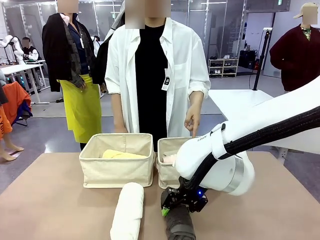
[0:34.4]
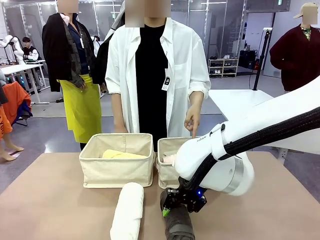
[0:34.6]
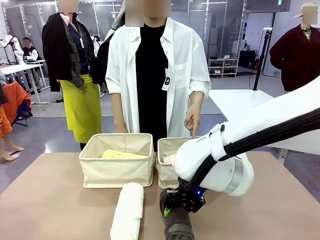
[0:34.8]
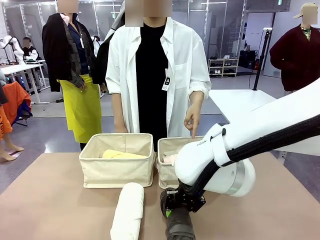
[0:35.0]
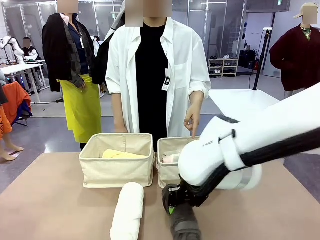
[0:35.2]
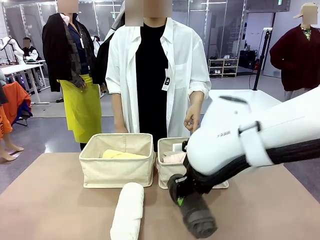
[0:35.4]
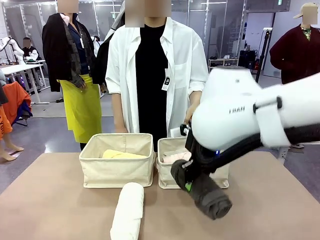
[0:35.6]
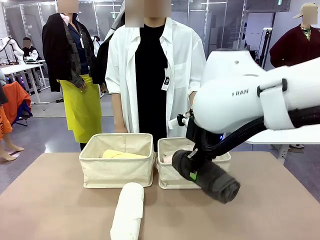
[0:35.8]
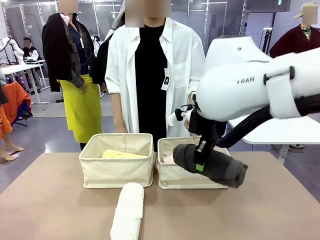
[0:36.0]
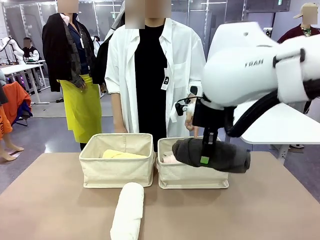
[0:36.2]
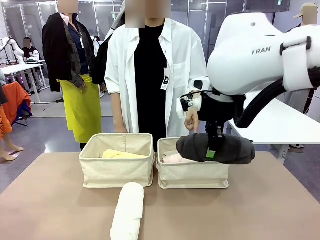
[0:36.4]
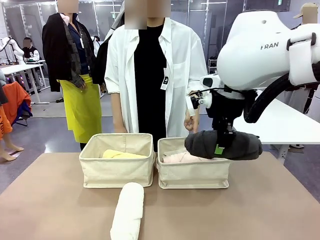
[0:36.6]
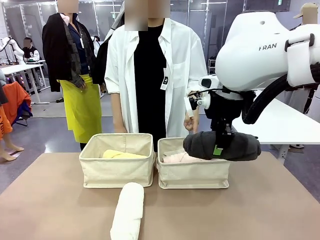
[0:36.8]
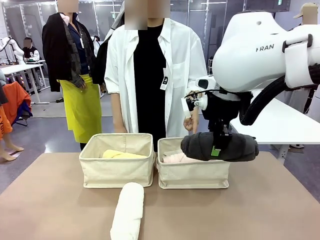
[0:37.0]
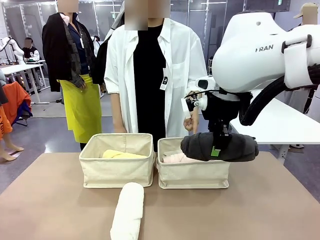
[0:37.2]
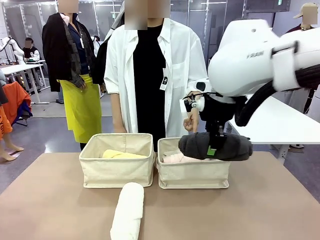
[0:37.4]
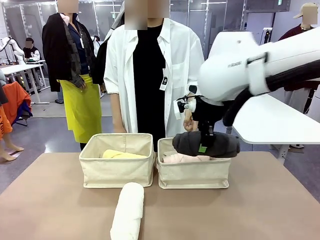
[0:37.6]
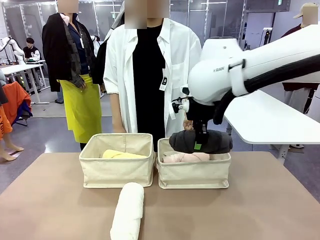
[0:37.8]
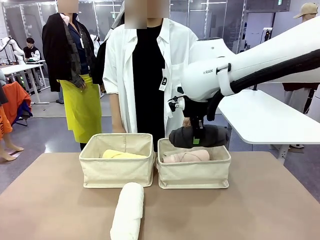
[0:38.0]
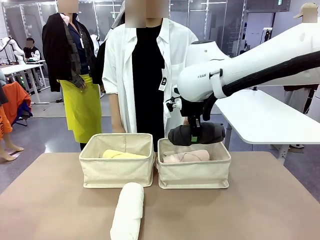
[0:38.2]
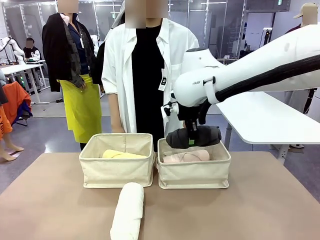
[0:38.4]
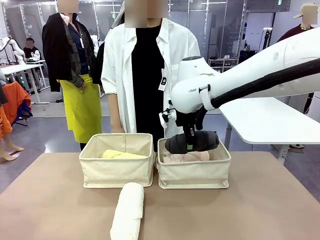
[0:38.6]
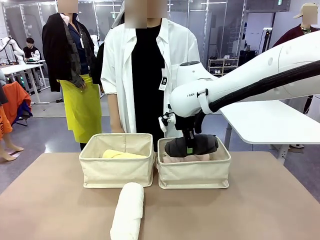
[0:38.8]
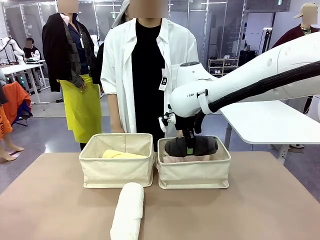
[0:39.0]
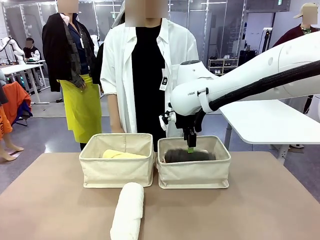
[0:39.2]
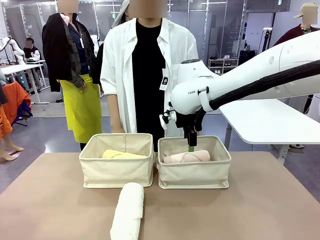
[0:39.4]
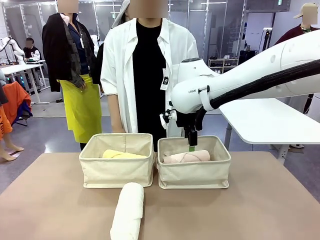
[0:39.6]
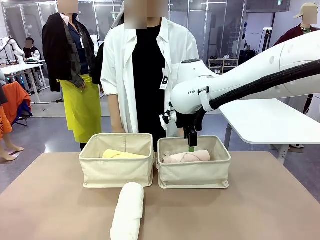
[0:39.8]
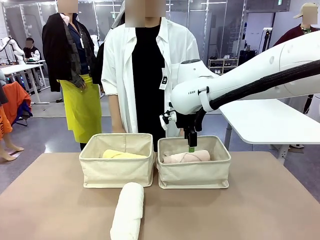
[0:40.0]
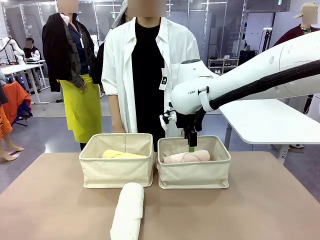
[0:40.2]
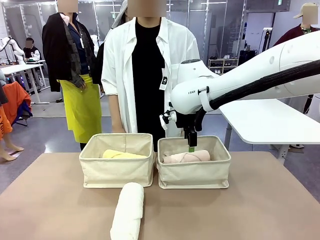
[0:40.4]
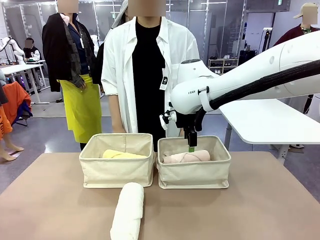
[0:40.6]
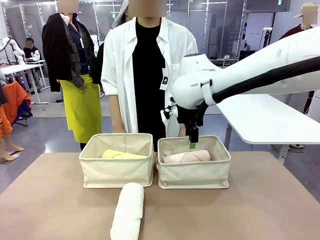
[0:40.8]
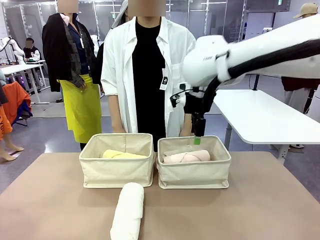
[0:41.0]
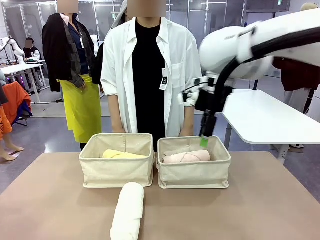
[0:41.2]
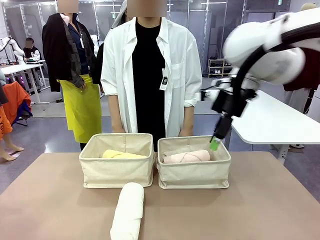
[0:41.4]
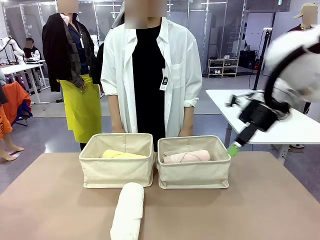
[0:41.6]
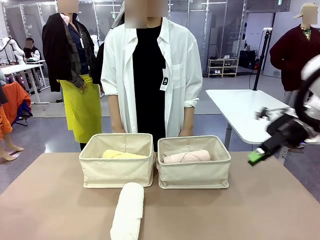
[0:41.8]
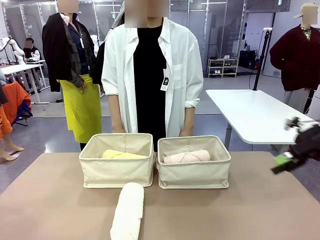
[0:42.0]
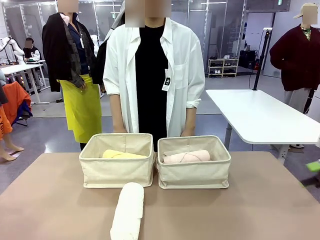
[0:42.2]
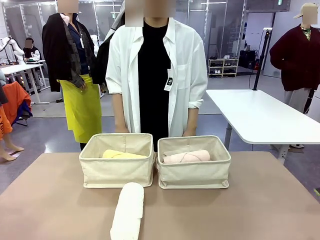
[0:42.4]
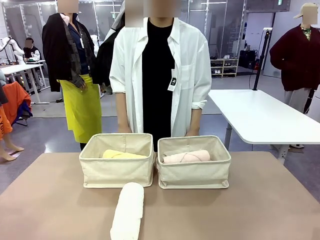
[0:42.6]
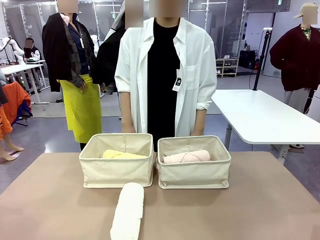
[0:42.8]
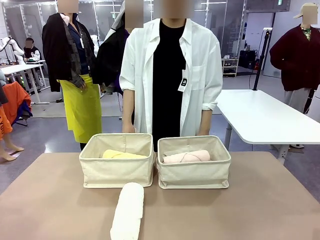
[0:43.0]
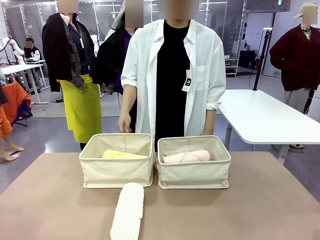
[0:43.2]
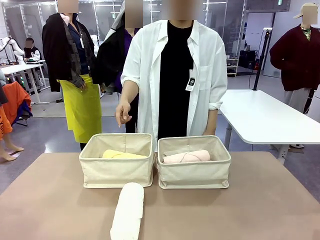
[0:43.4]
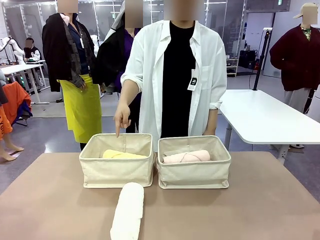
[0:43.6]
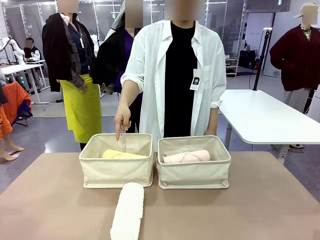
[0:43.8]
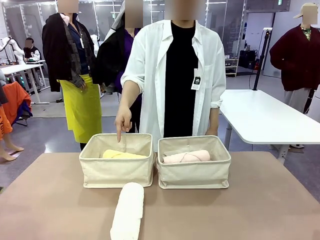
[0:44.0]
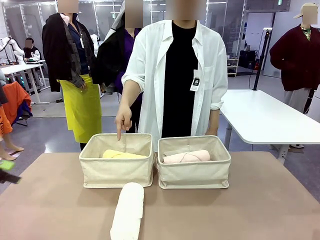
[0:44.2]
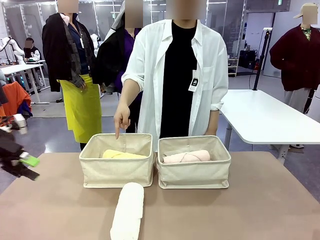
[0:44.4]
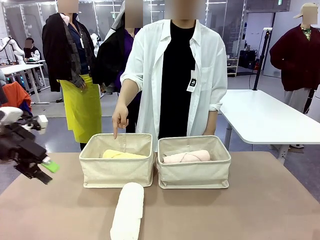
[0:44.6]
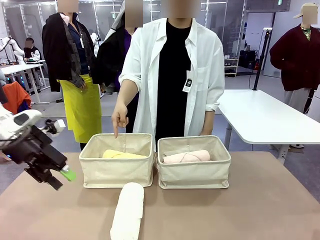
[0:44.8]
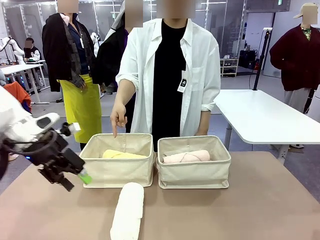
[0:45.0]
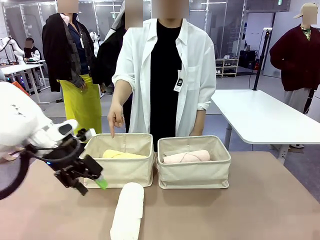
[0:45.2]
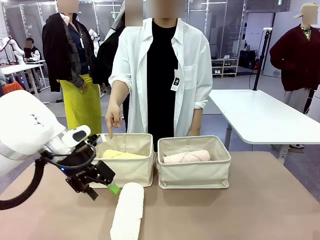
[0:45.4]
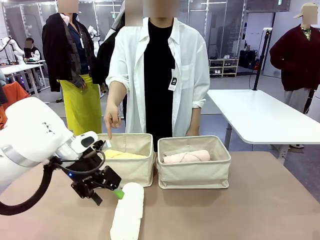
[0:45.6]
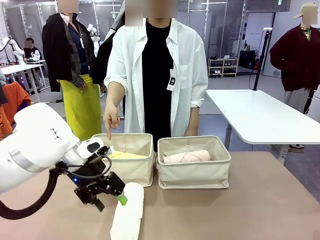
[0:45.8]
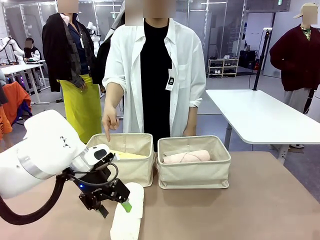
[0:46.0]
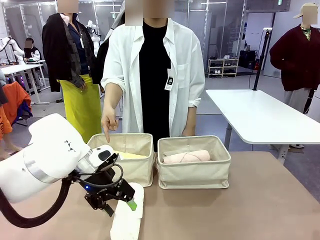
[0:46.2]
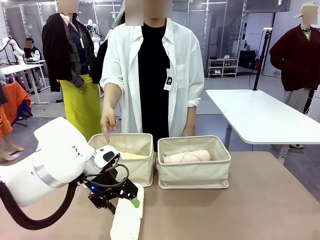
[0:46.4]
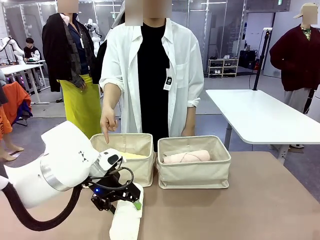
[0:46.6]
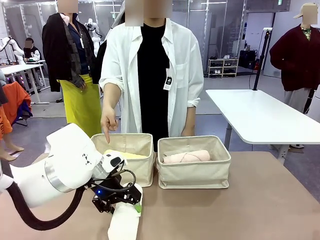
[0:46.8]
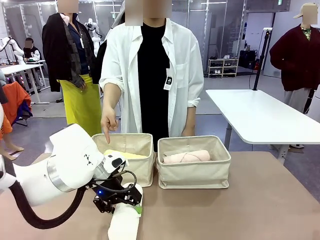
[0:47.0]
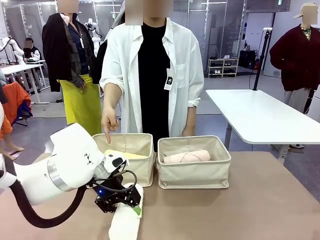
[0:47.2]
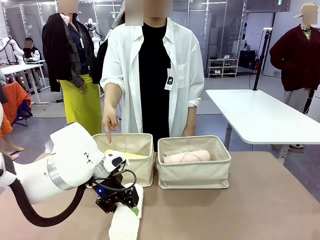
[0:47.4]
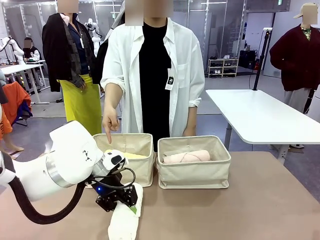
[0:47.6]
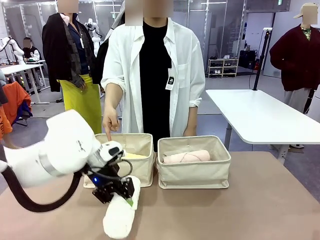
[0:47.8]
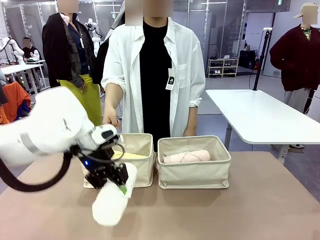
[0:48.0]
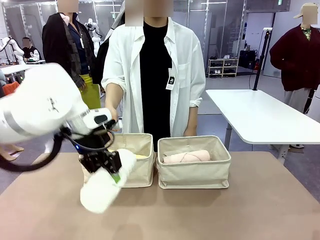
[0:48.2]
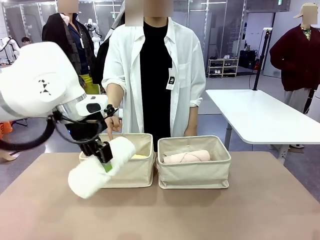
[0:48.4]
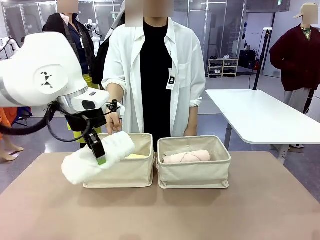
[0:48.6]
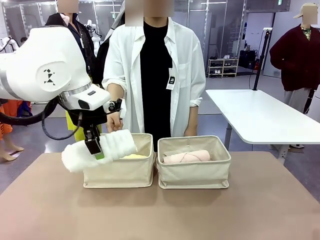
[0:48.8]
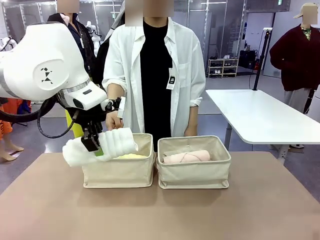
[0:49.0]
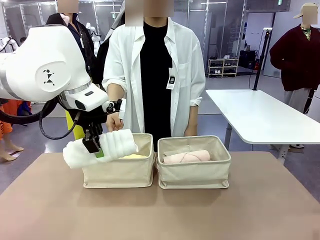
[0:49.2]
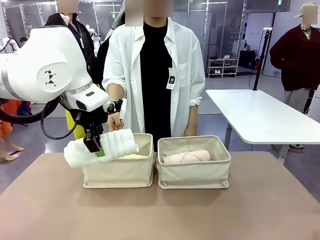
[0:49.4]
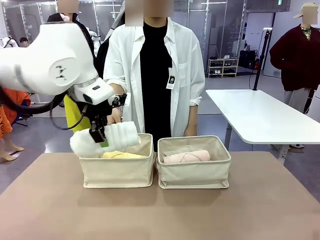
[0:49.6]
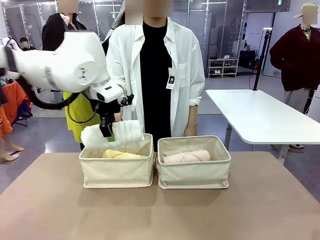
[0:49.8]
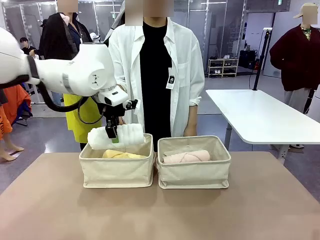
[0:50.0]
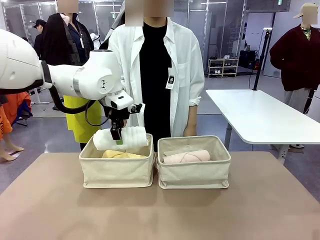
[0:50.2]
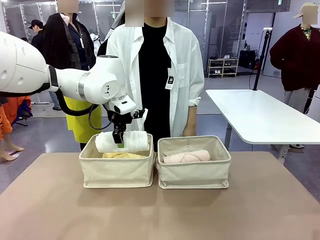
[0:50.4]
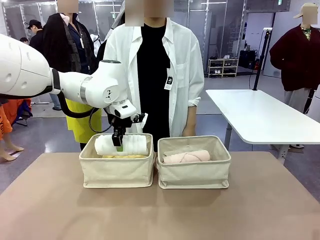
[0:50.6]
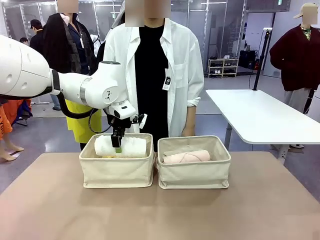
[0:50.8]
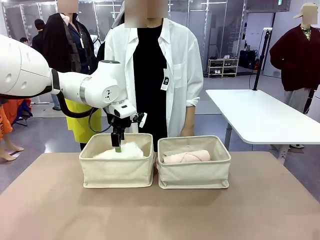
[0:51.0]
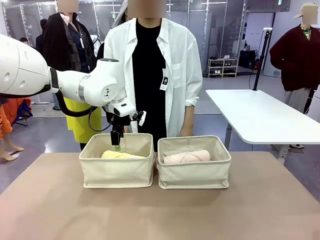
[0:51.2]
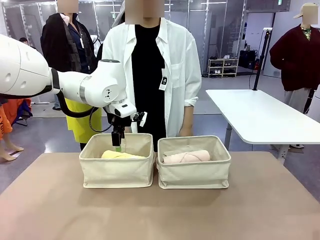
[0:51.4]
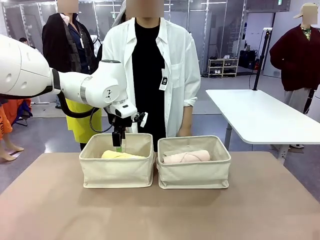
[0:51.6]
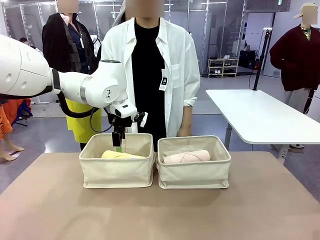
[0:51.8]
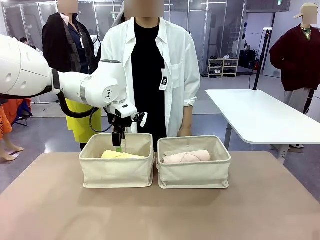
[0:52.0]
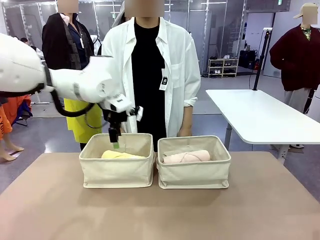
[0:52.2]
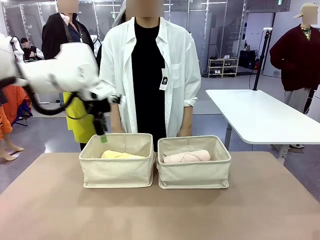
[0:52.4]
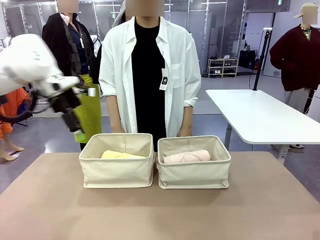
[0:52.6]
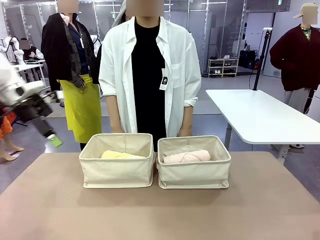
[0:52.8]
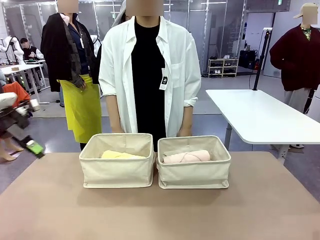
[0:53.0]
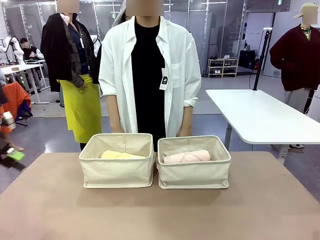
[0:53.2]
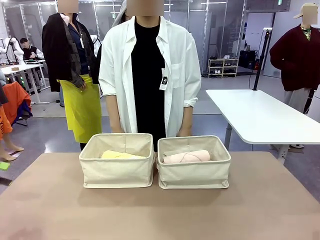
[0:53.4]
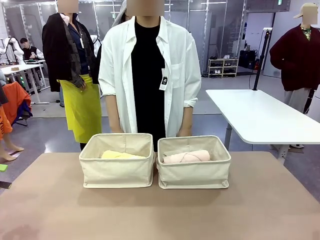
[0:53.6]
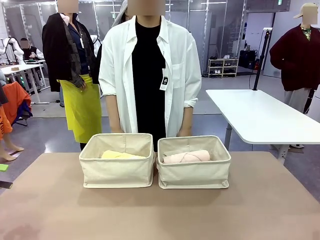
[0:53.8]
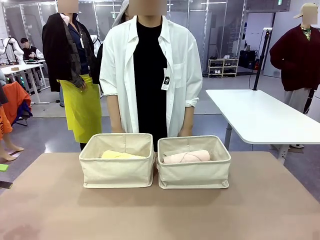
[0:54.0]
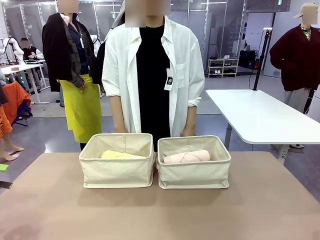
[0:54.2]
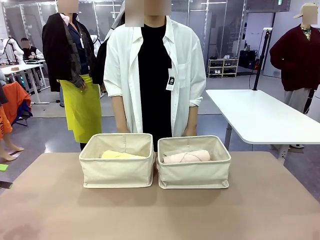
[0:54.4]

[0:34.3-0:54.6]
Task: Divide the towels into two baskets.
Robot: Pick up one hotel-folded towel from the bottom of the table and place it in the Fabric basket indicated by the person.
